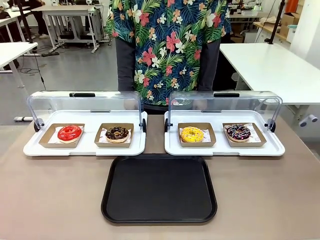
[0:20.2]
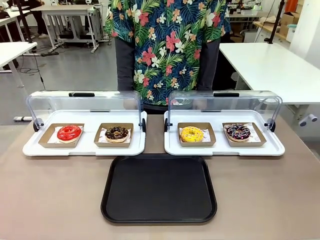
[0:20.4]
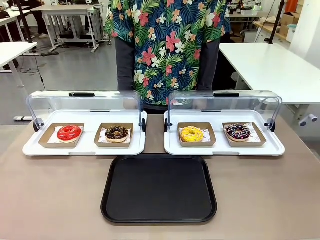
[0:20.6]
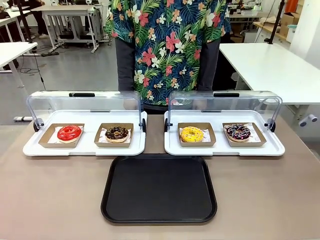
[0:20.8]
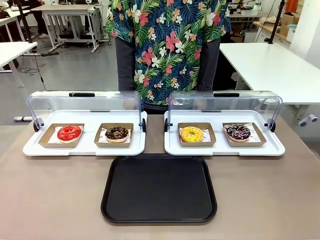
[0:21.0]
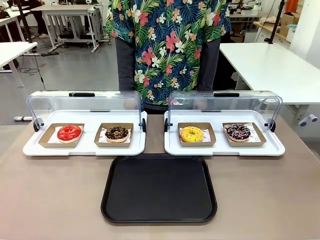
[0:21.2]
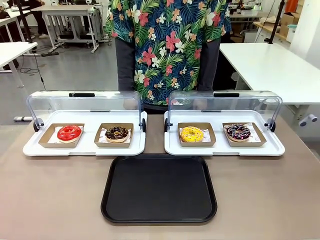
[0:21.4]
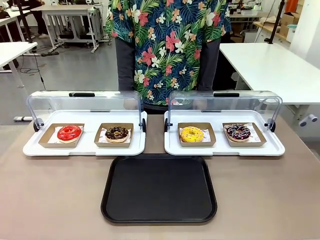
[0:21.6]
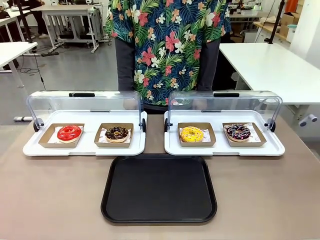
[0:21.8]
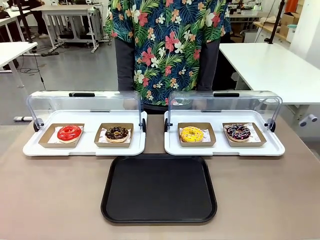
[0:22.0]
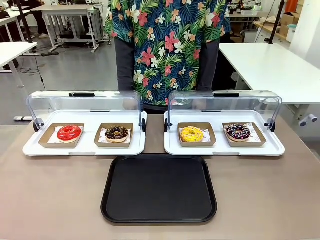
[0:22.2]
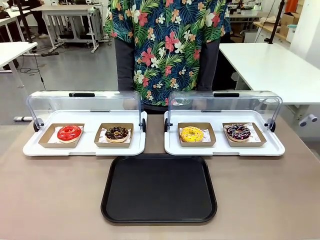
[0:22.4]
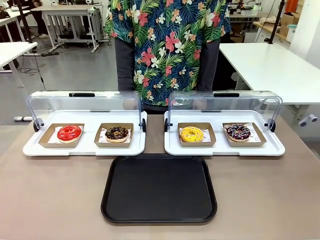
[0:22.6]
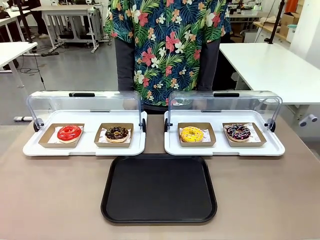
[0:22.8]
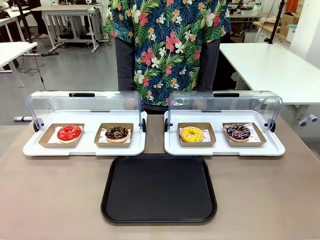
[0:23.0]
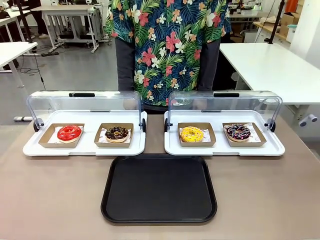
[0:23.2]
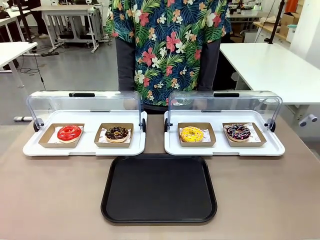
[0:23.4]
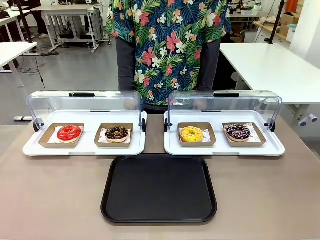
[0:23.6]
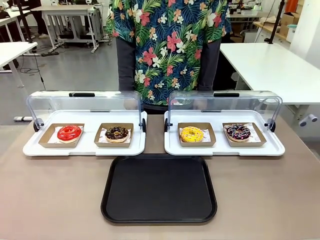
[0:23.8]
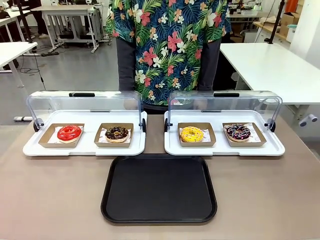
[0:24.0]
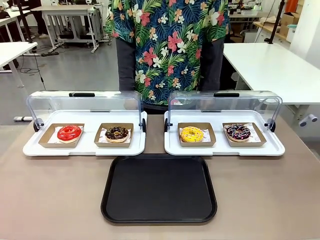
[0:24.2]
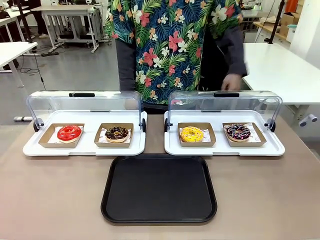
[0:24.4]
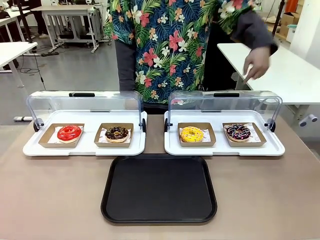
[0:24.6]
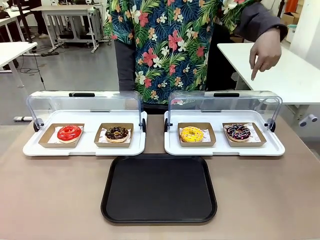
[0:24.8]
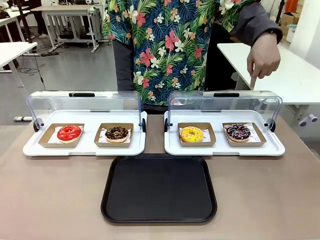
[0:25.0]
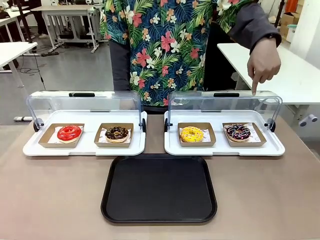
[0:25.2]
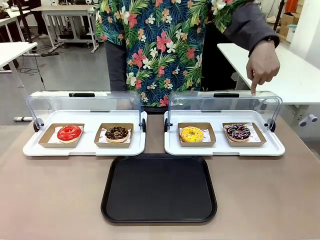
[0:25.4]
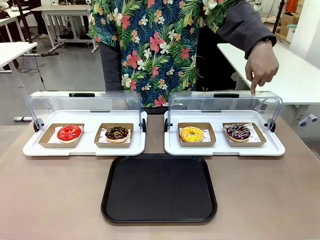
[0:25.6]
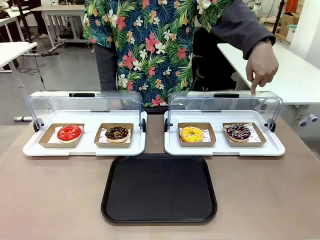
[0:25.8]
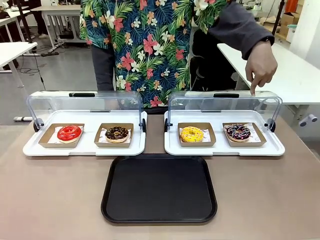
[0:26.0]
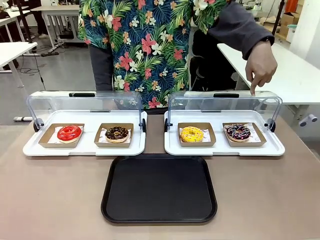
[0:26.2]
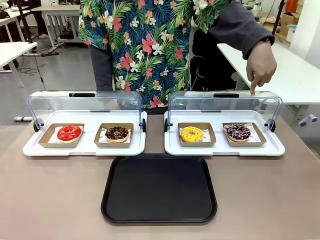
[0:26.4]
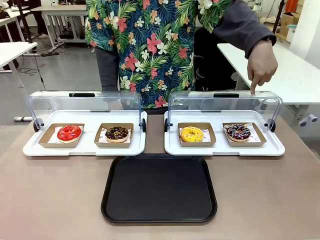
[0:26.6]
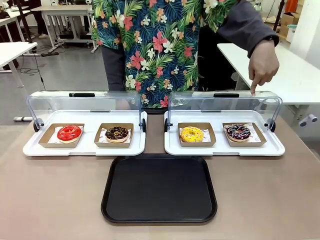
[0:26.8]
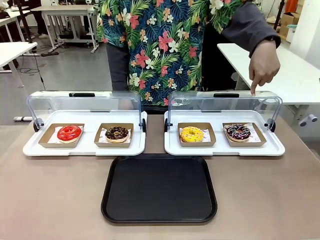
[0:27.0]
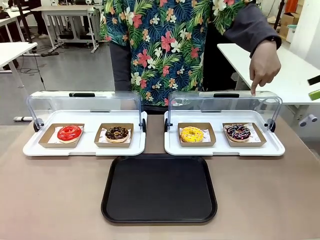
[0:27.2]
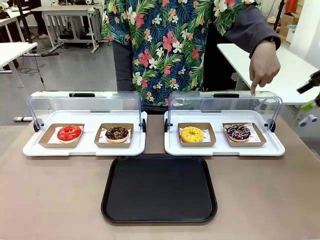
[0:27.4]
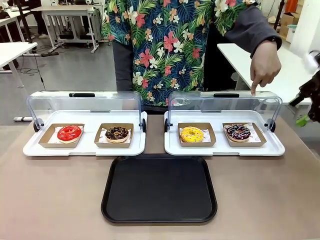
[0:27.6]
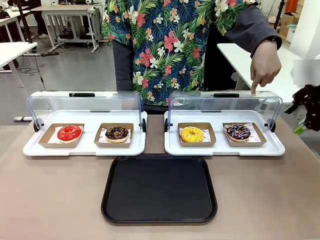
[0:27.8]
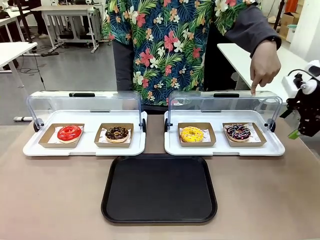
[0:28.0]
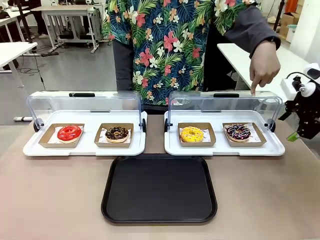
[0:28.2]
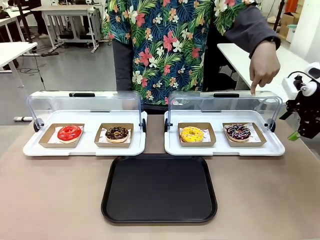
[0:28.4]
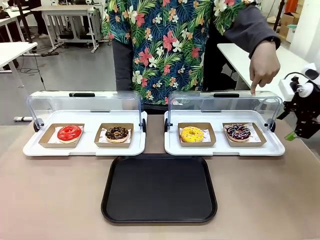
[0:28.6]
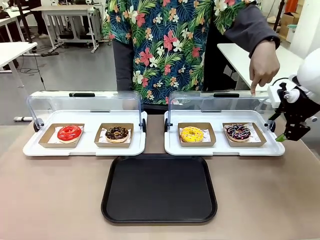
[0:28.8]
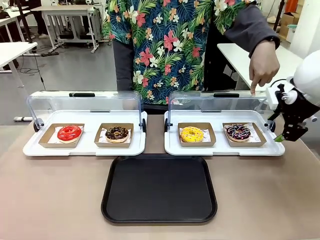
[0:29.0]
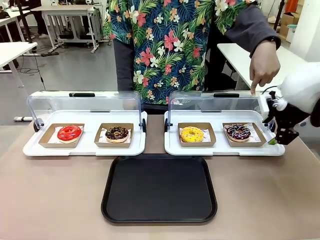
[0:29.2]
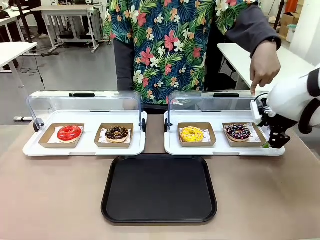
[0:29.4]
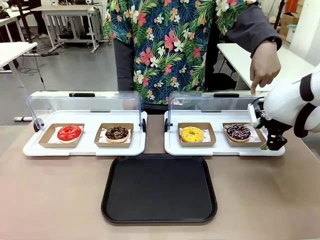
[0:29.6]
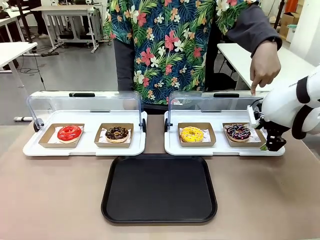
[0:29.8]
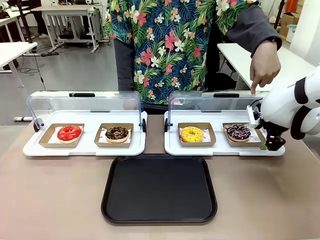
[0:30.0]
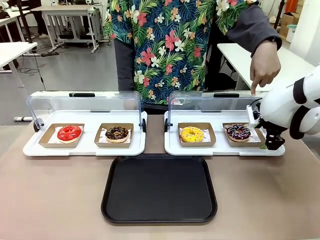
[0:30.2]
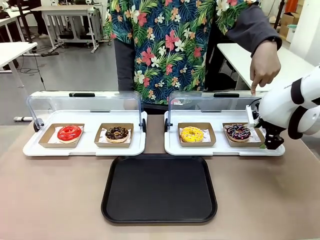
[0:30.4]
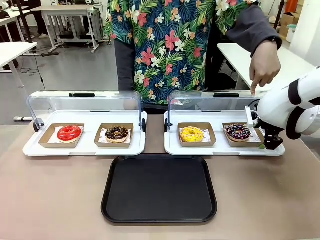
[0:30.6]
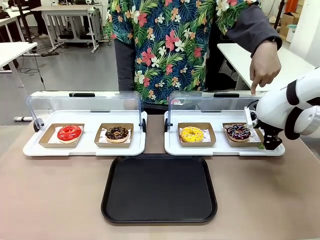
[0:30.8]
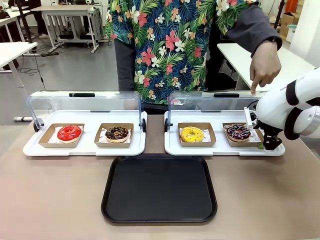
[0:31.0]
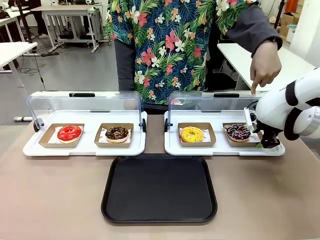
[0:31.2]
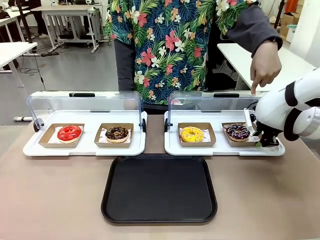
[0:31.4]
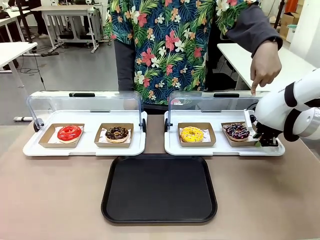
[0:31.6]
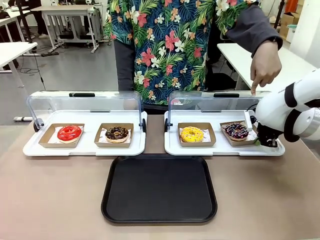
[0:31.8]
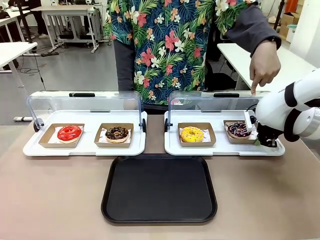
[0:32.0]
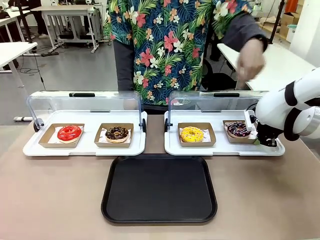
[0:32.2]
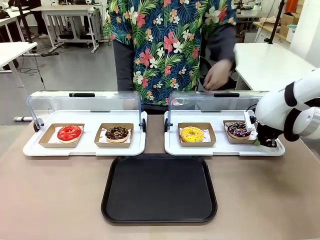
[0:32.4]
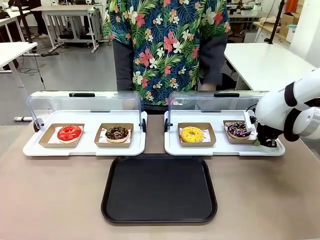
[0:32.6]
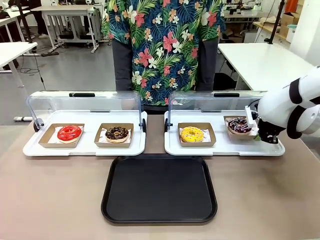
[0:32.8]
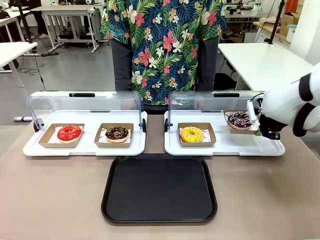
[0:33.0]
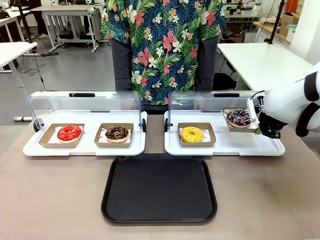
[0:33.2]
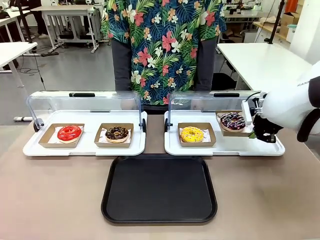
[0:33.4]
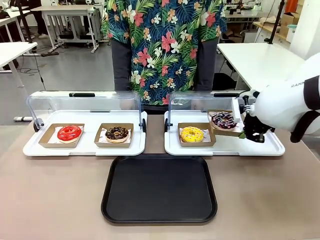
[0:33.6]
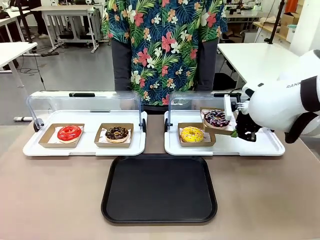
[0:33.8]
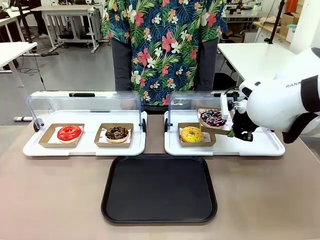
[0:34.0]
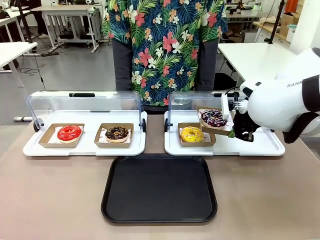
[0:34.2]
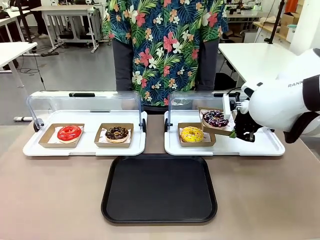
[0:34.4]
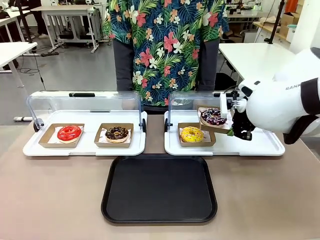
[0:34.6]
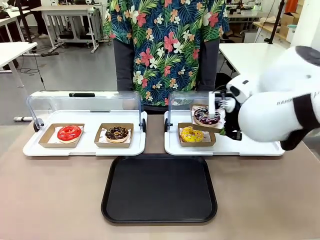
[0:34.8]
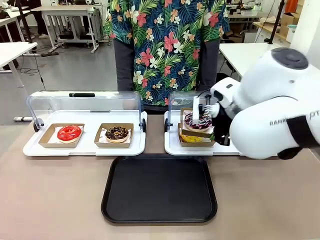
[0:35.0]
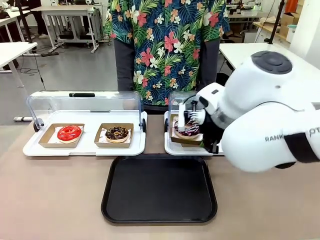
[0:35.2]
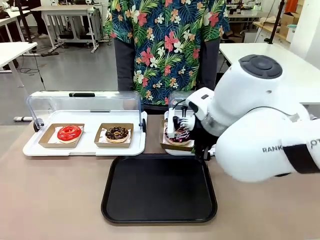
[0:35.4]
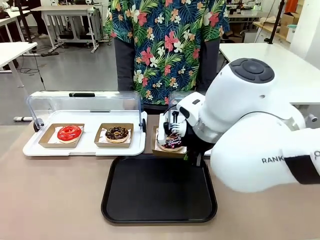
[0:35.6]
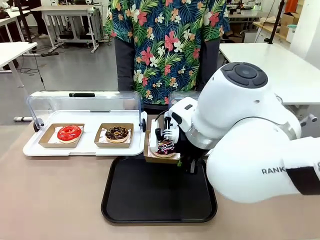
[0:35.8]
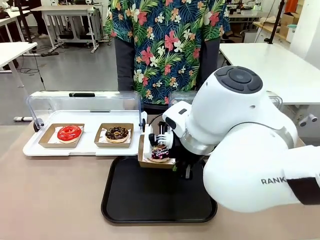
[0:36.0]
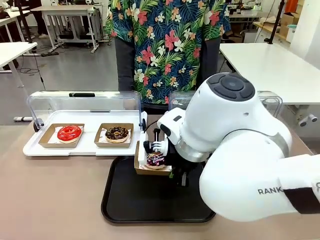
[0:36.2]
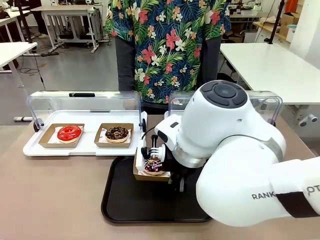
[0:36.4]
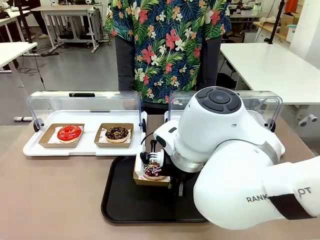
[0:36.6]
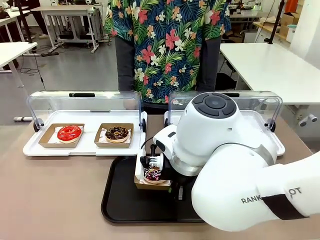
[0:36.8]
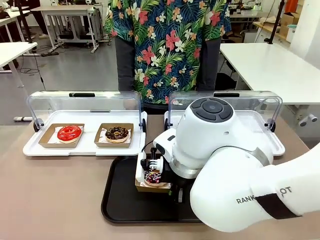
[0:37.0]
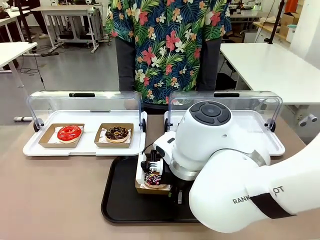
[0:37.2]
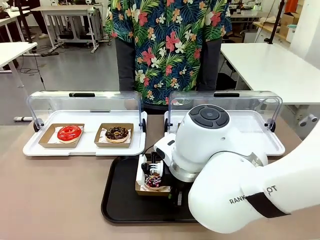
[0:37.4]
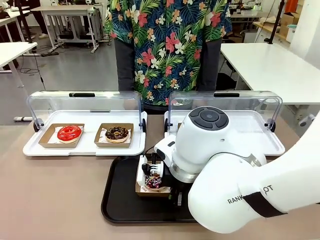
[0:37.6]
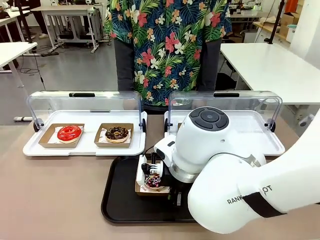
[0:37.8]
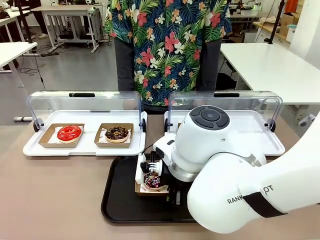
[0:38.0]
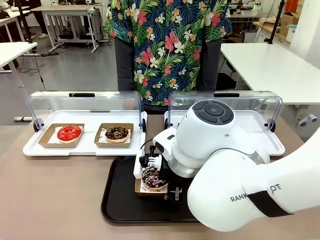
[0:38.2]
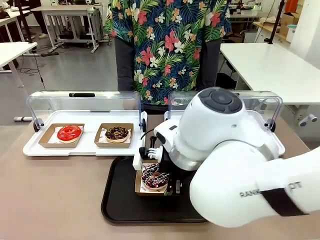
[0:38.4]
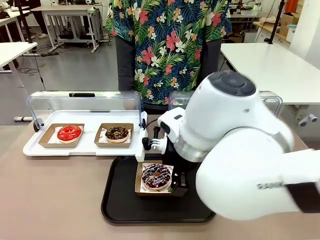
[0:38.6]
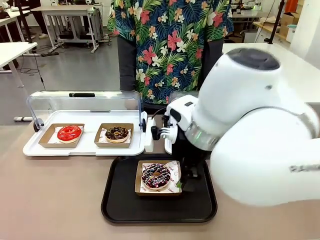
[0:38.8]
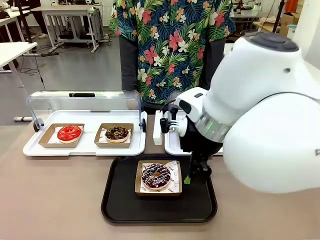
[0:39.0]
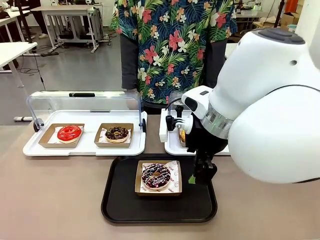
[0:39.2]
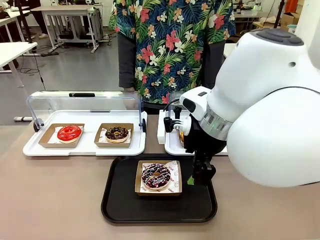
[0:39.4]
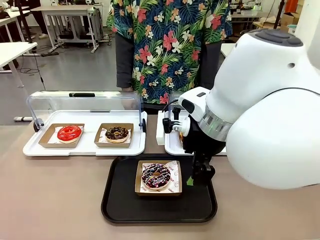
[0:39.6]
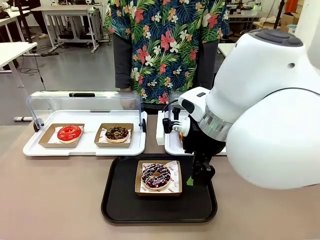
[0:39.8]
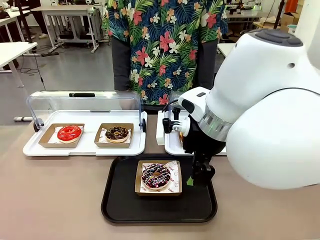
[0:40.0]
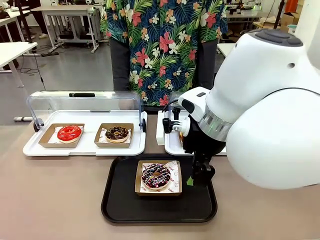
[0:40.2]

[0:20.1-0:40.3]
Task: Move the fourth donut from the left to the tray.
Robot: Pick up the Paper togo box containing the Donut indicated by the person and place it on the Handle tray.
Person: Points to the fourth donut from the left from the robot’s perspective.
